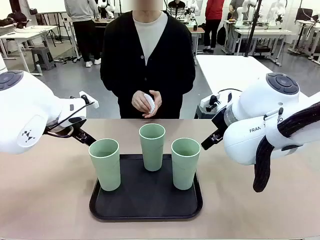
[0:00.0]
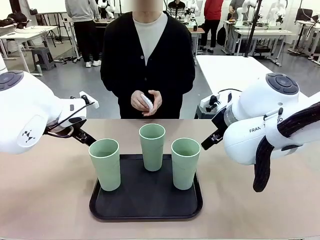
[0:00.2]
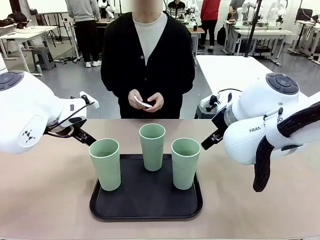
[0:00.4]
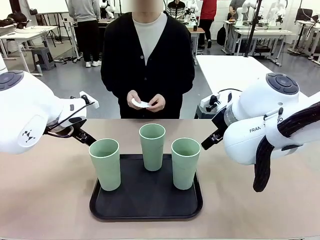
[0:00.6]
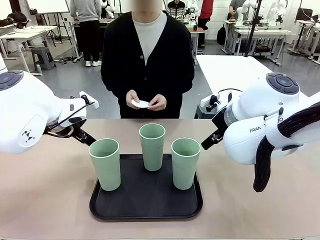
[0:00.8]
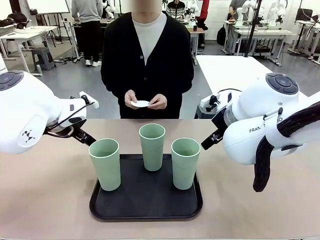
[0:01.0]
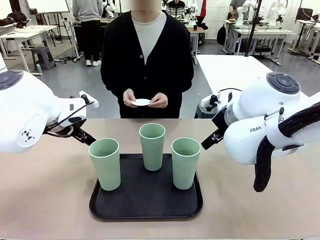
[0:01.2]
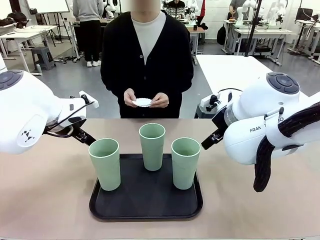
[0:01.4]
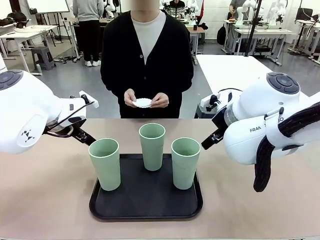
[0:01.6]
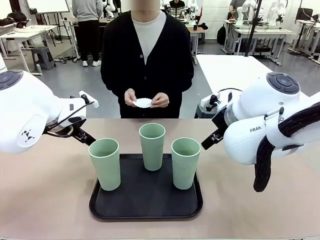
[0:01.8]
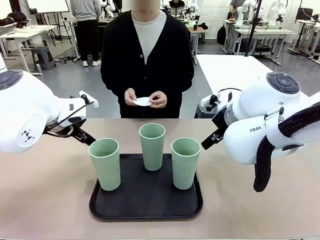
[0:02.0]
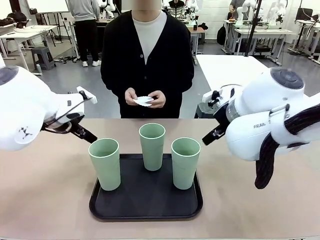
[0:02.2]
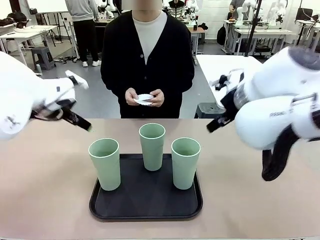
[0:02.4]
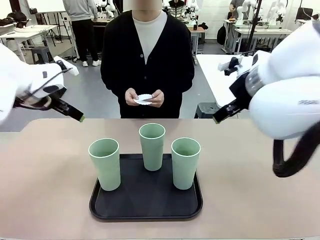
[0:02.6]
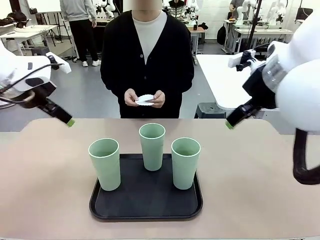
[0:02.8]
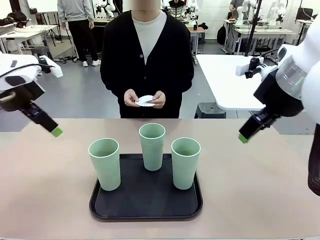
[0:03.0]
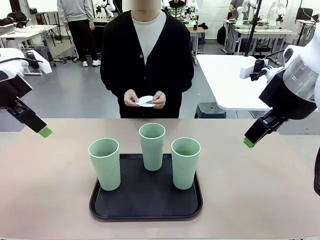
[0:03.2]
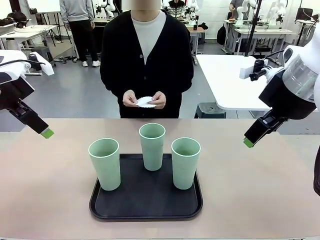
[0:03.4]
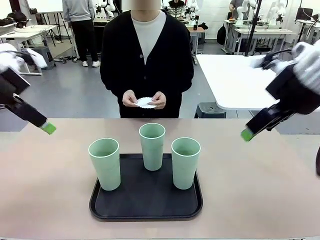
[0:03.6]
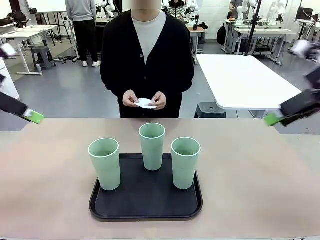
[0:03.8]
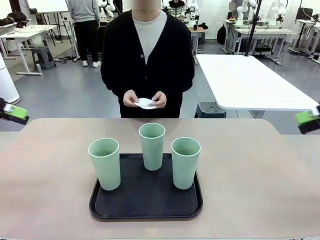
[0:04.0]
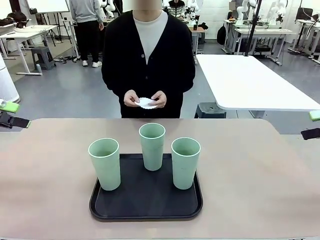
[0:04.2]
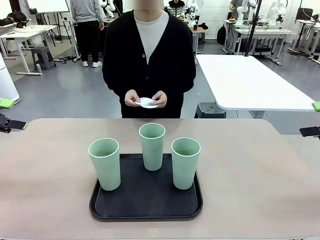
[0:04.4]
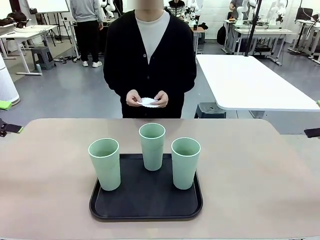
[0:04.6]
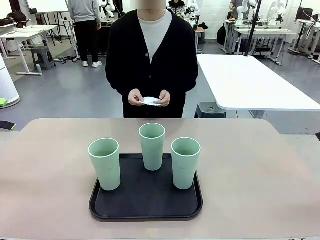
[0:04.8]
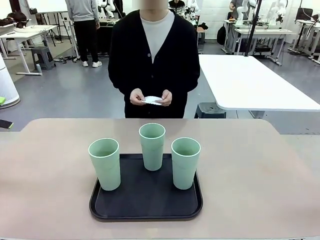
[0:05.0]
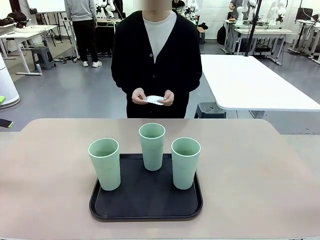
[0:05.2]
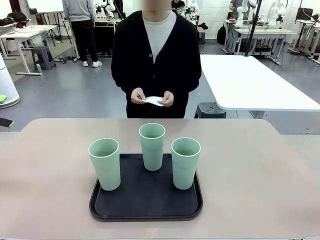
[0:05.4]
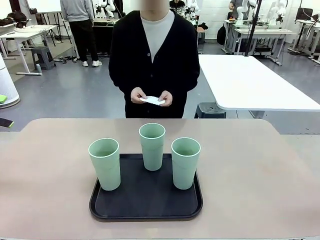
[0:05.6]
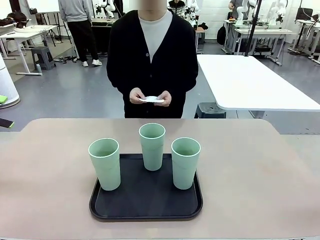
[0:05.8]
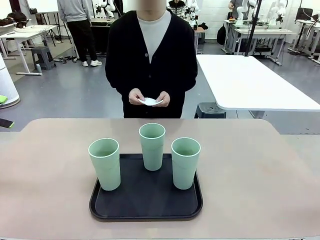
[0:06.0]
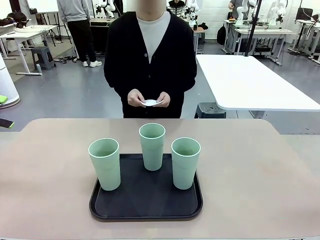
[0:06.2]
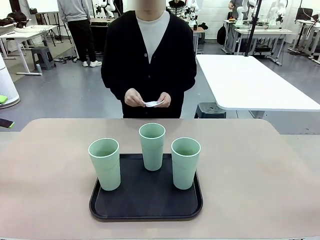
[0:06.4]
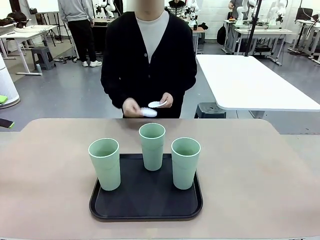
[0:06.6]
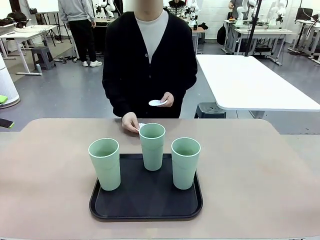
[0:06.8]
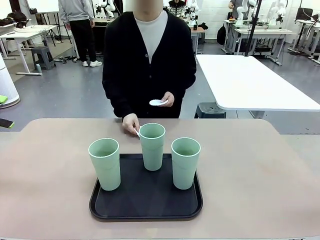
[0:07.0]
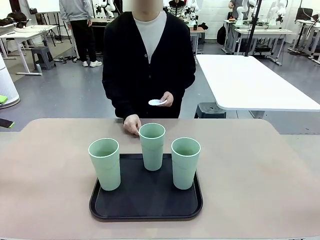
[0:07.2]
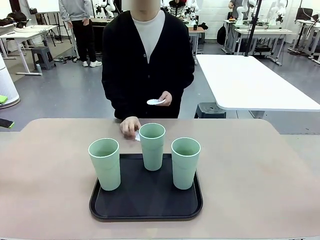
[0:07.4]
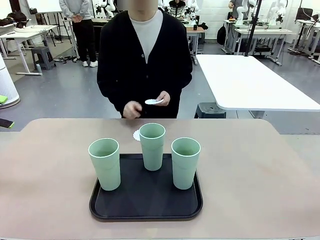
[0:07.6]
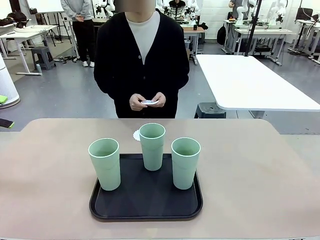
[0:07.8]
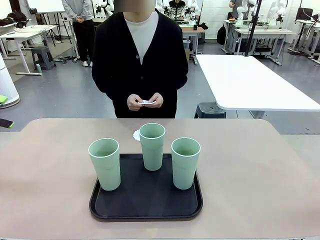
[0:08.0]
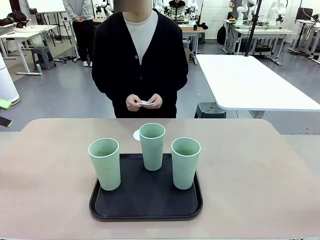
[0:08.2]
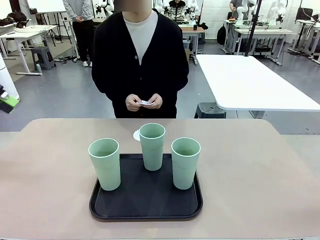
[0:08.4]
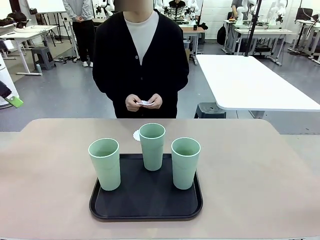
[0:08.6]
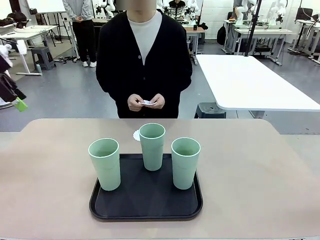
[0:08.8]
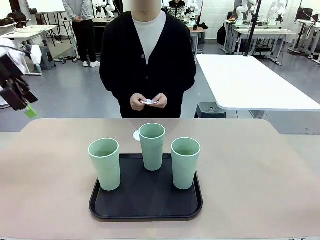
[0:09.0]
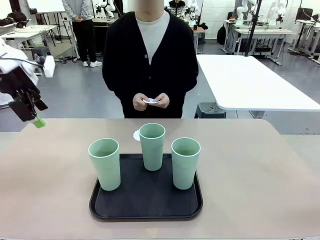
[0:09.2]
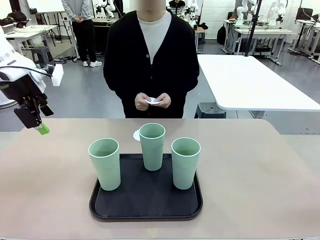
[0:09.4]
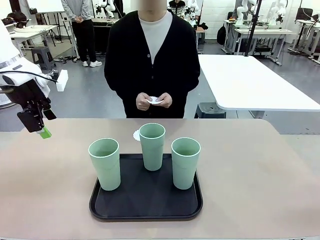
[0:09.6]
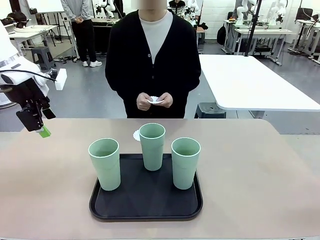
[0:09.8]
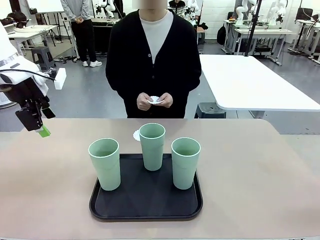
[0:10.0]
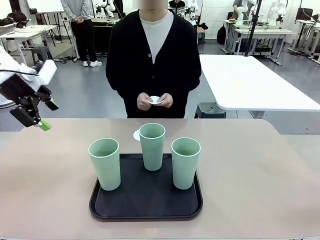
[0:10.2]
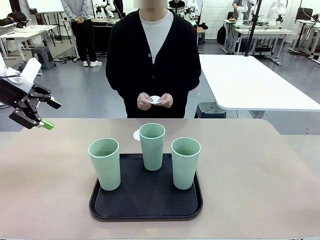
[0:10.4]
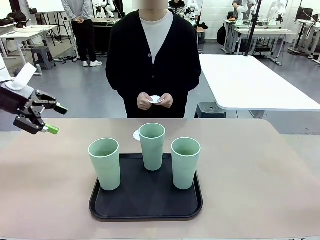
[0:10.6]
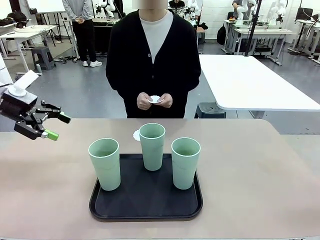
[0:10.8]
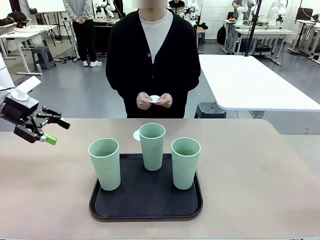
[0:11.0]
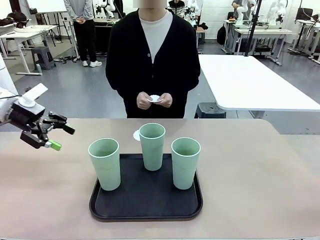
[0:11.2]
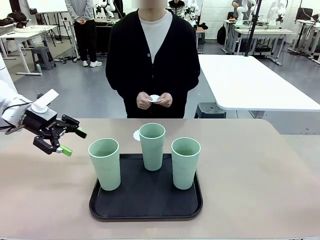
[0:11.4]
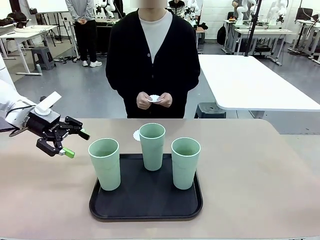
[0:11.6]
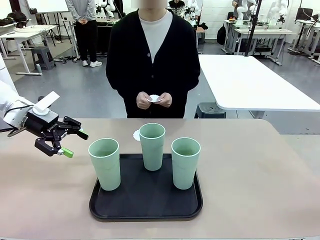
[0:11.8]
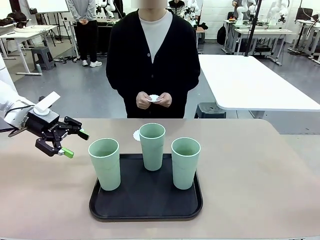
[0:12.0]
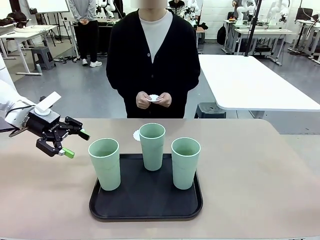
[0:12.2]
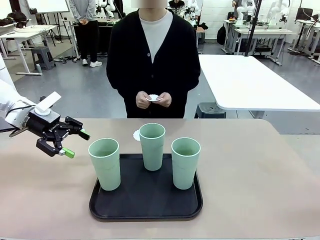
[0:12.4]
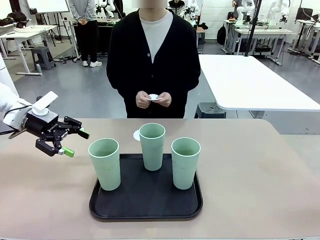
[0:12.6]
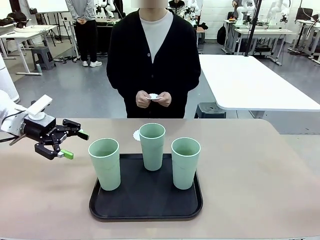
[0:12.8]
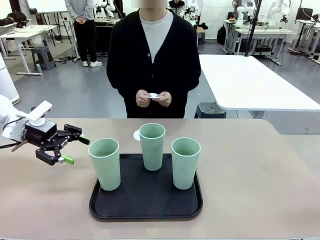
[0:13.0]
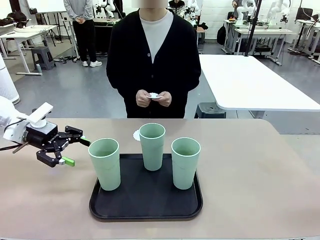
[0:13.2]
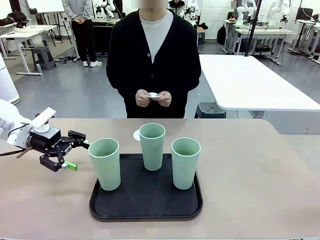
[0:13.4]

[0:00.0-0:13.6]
Task: Place coasters on the table and set cups on them.
Robot: Pick up one Reusable plastic cup and place it on a coaster set by the human.
Person: Place one coaster in any one of the three lower areas of the robot table (left, center, or right).

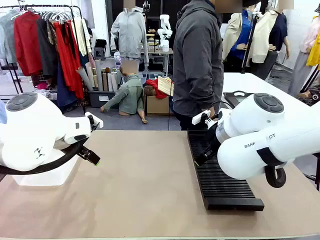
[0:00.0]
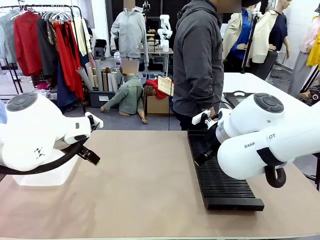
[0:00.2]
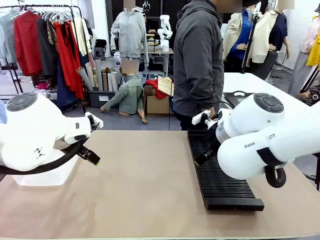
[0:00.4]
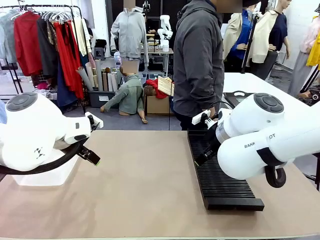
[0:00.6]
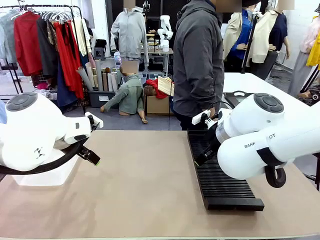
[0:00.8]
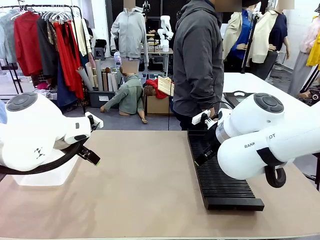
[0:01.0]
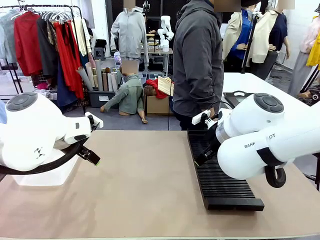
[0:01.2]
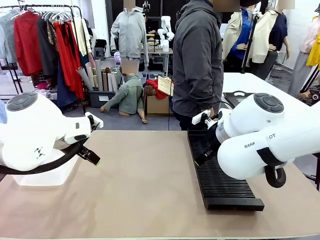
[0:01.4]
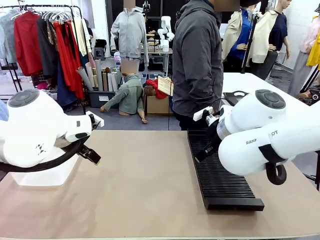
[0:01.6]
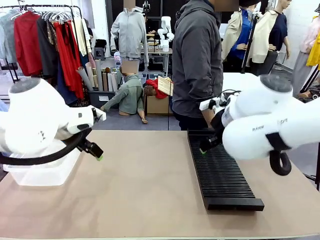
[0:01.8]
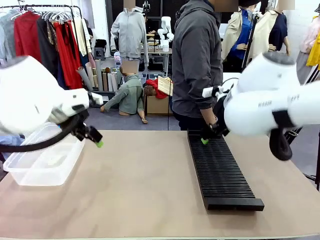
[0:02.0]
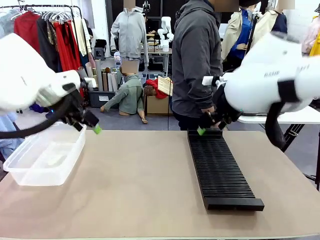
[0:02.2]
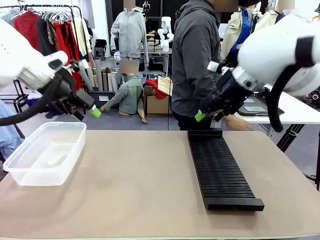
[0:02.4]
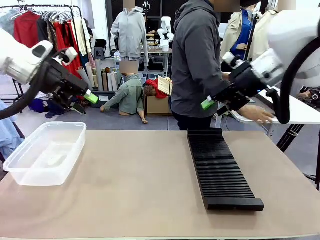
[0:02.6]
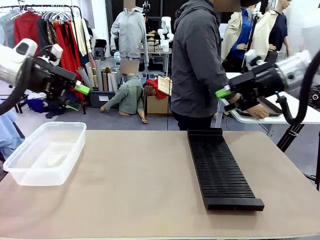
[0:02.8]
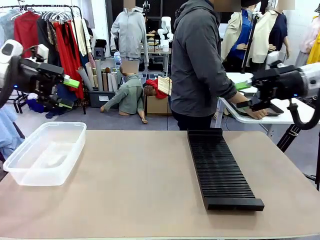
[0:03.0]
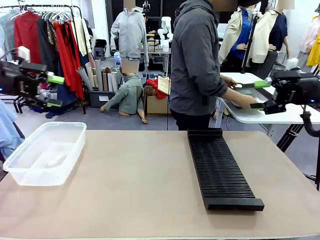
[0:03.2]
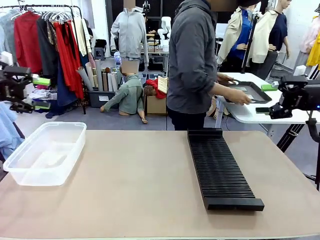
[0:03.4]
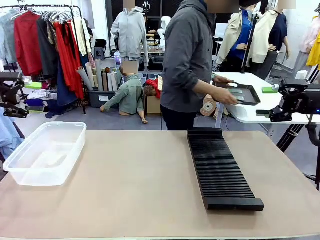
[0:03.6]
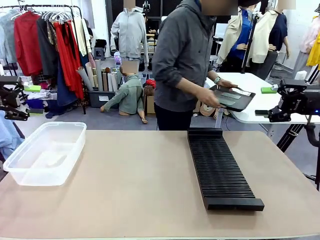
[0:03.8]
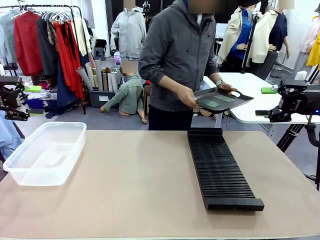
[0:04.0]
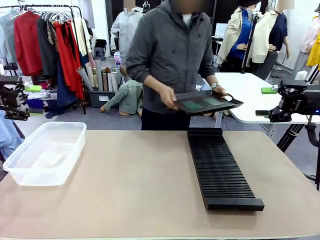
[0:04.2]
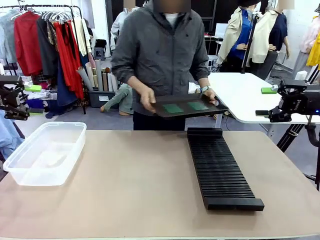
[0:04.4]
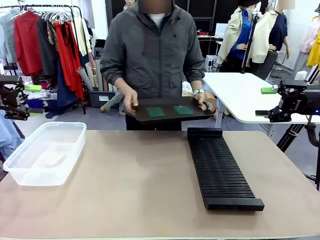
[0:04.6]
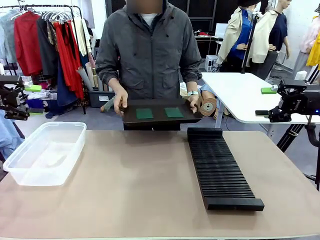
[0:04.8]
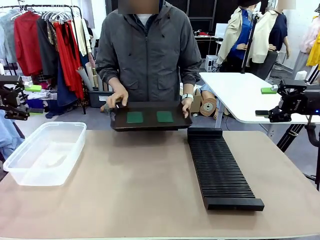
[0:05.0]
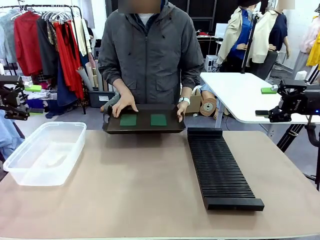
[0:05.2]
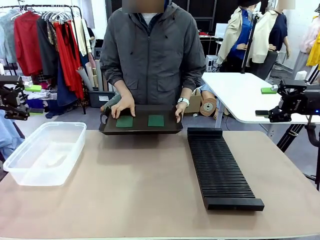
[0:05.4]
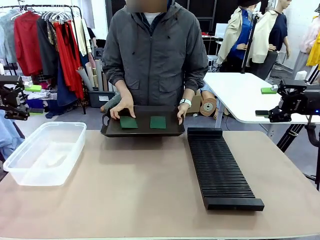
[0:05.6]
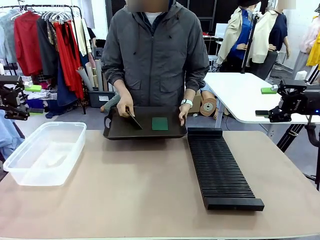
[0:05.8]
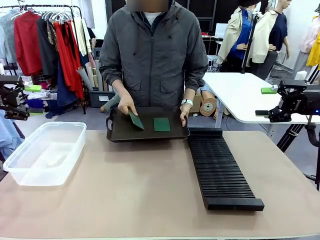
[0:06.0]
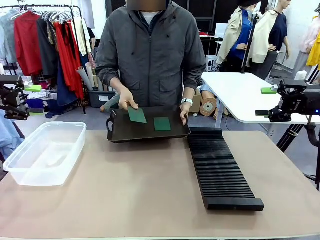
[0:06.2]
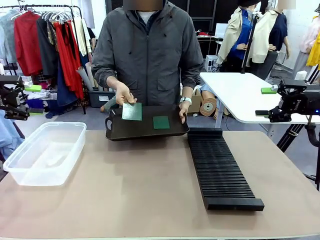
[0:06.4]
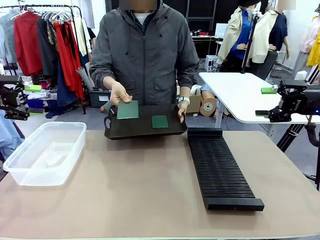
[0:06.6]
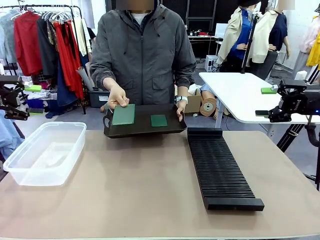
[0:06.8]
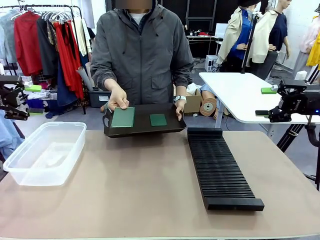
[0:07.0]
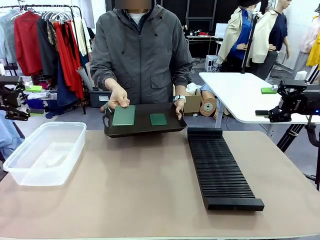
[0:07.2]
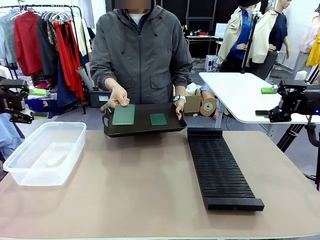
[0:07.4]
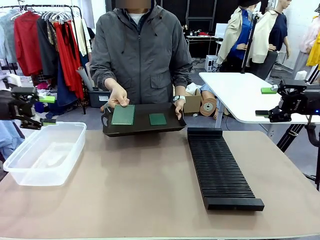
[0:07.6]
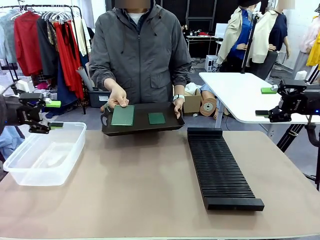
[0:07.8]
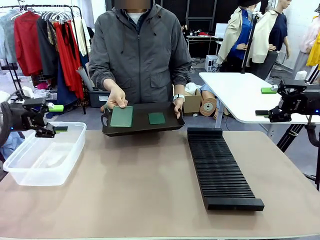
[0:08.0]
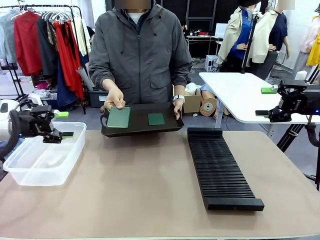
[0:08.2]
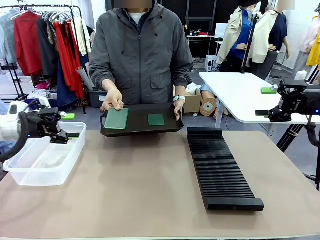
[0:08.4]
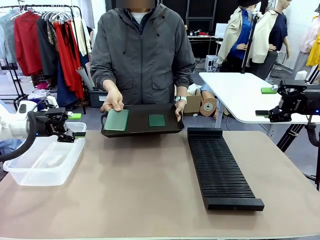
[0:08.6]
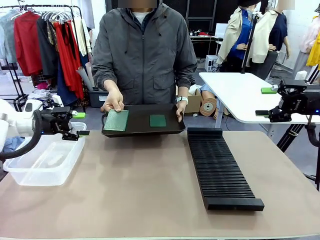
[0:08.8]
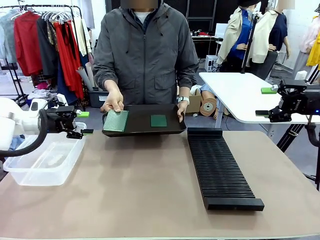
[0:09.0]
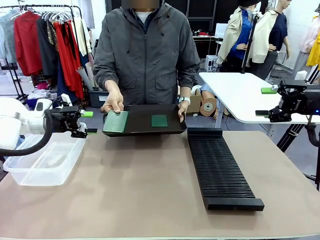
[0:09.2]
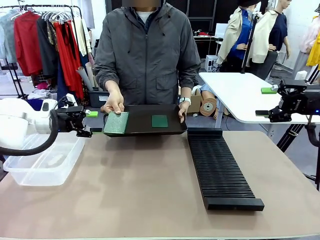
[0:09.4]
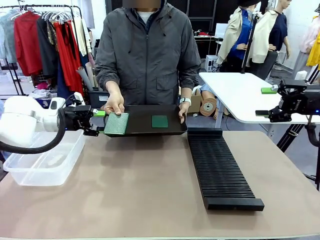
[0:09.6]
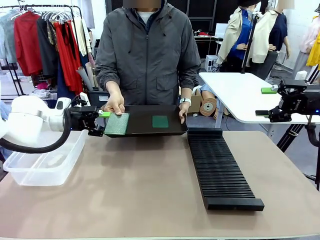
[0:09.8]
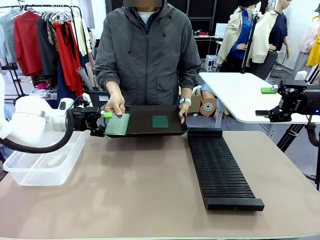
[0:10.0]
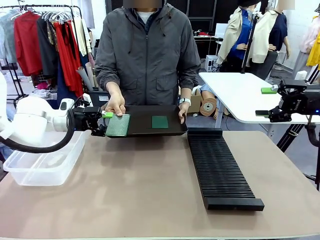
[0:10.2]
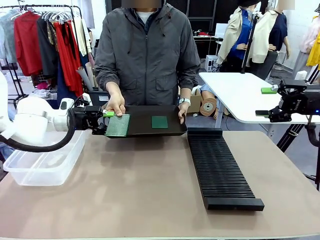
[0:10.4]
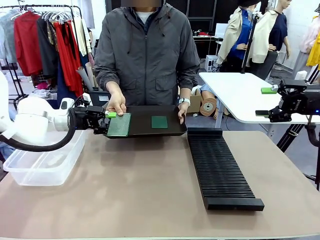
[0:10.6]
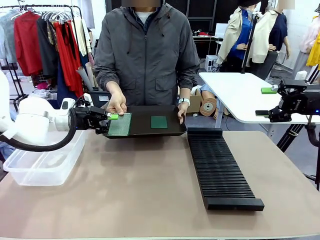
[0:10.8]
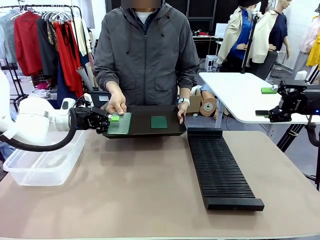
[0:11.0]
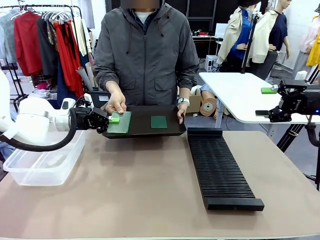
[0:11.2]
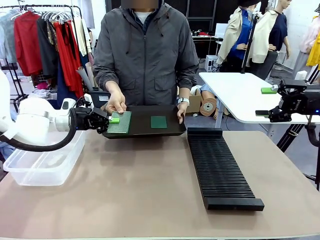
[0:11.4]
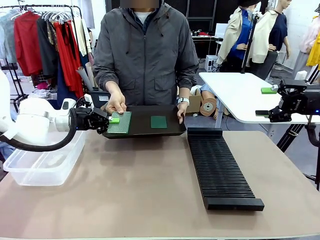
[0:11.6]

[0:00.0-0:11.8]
Task: Sort PCBs into racks and boxes based on the side picked up.
Robot: Pick up the Blank PCB handed by the Human.
Person: Pick one PCB from the tray and present it to the robot. Release the PCB being held.
